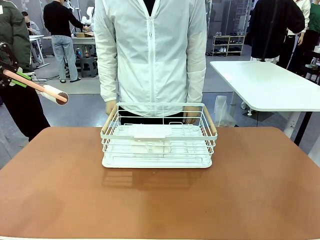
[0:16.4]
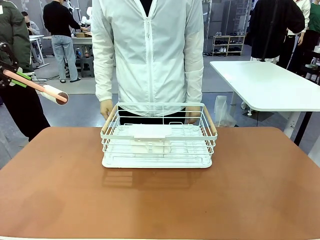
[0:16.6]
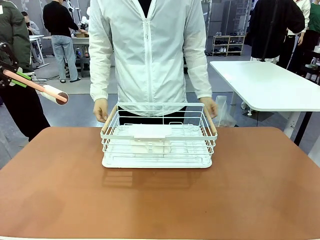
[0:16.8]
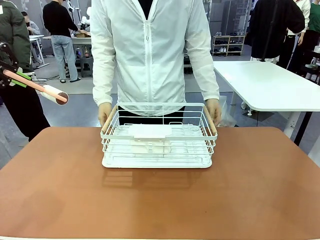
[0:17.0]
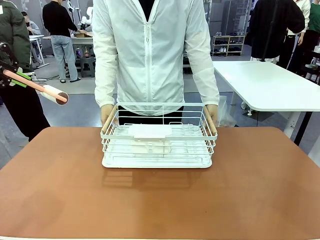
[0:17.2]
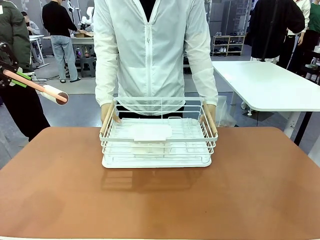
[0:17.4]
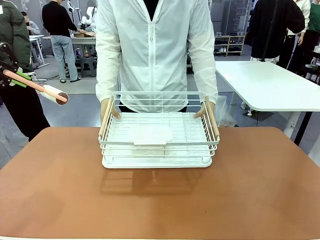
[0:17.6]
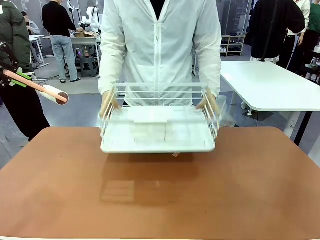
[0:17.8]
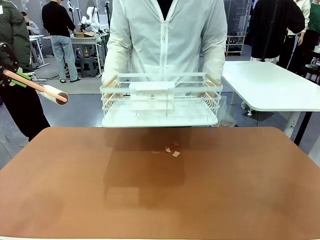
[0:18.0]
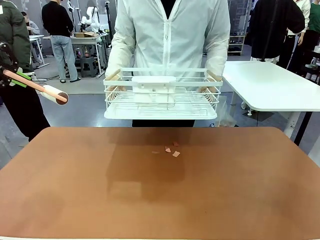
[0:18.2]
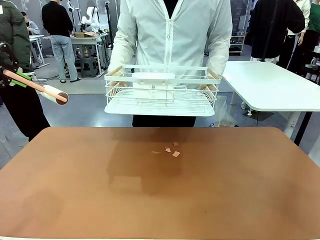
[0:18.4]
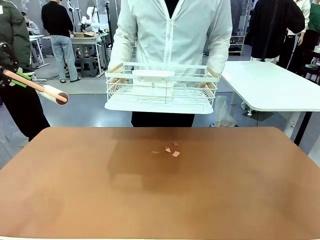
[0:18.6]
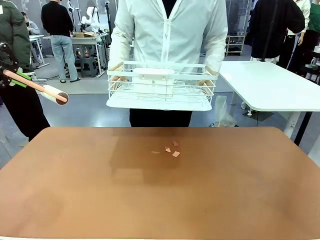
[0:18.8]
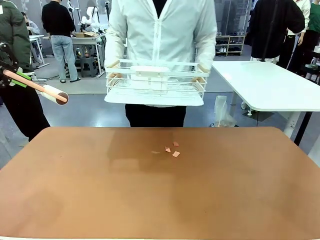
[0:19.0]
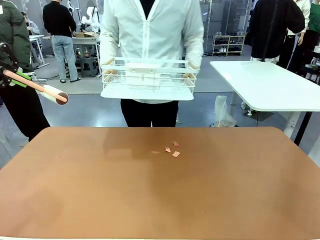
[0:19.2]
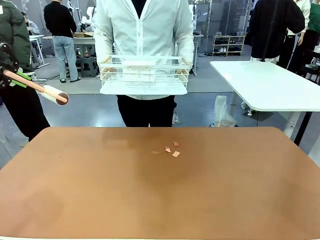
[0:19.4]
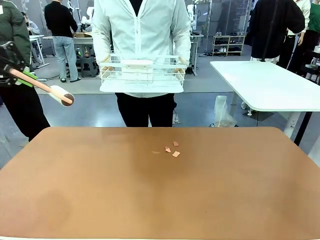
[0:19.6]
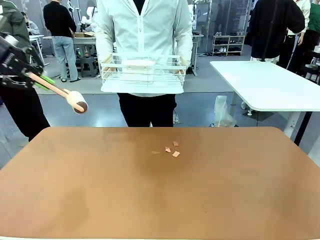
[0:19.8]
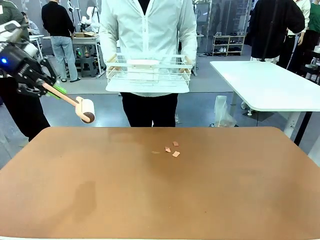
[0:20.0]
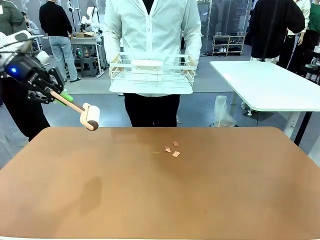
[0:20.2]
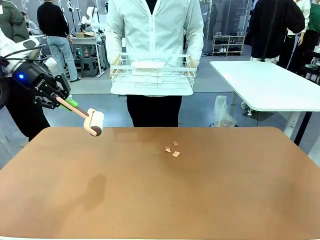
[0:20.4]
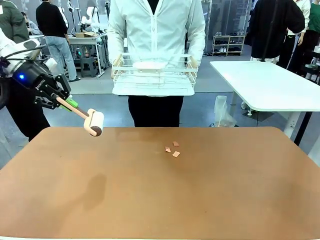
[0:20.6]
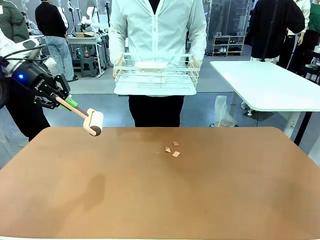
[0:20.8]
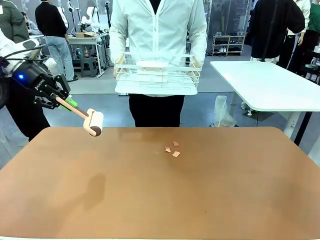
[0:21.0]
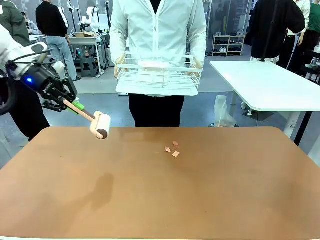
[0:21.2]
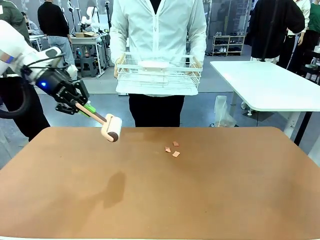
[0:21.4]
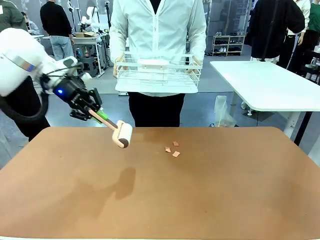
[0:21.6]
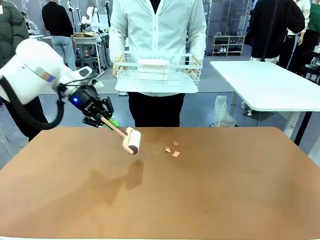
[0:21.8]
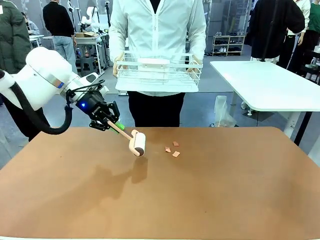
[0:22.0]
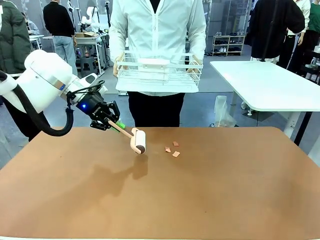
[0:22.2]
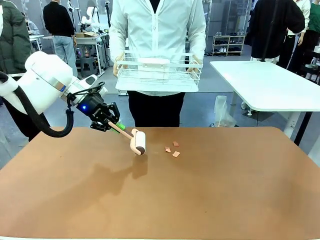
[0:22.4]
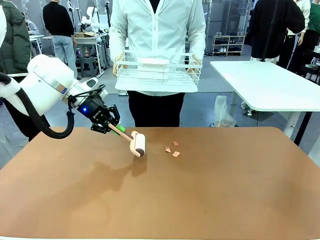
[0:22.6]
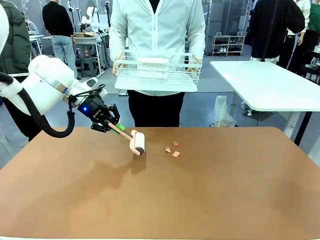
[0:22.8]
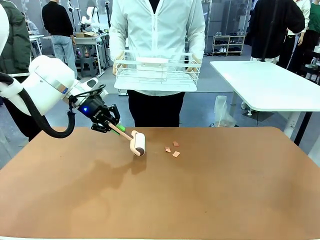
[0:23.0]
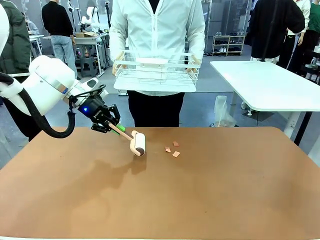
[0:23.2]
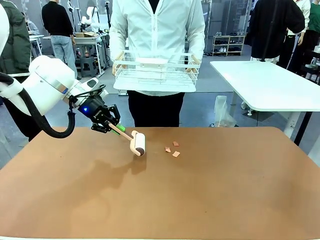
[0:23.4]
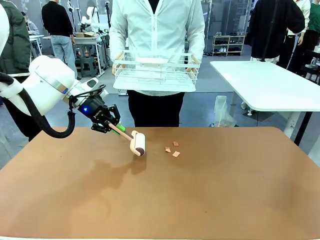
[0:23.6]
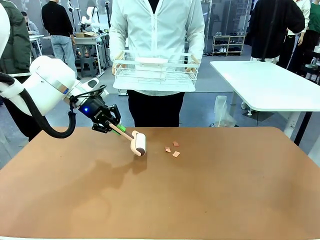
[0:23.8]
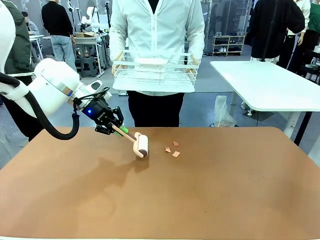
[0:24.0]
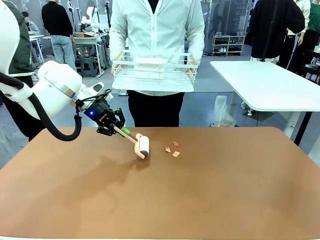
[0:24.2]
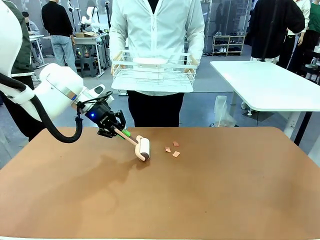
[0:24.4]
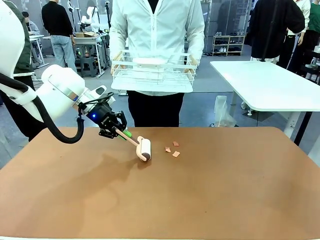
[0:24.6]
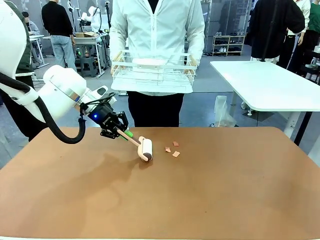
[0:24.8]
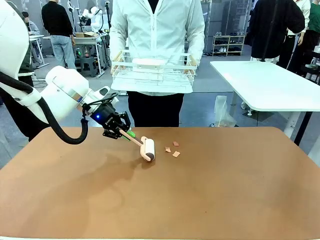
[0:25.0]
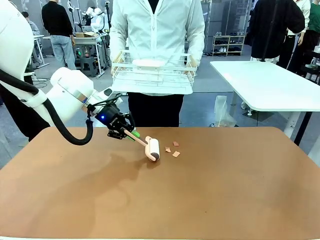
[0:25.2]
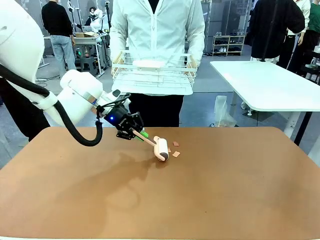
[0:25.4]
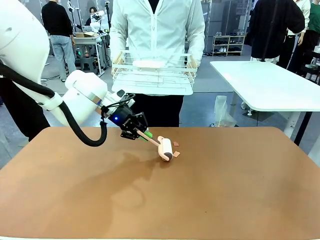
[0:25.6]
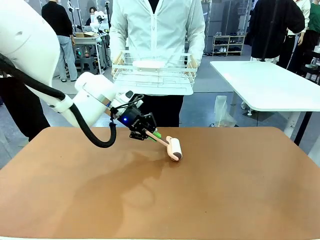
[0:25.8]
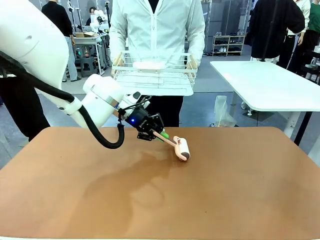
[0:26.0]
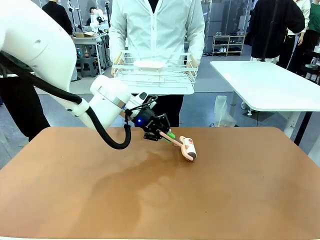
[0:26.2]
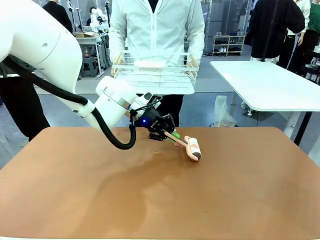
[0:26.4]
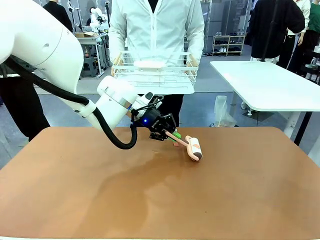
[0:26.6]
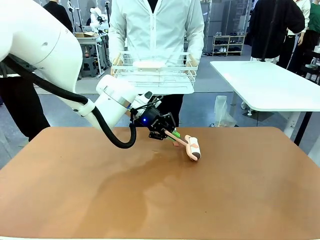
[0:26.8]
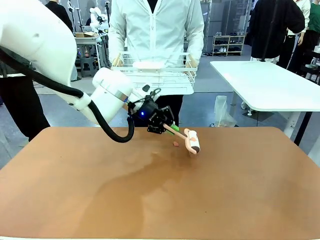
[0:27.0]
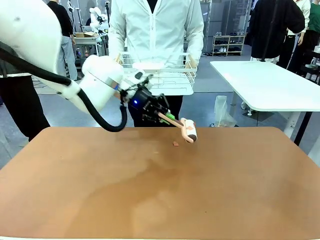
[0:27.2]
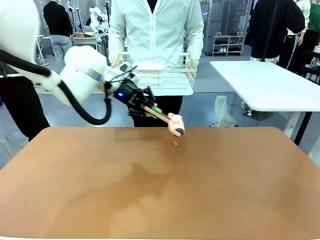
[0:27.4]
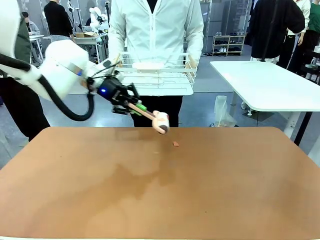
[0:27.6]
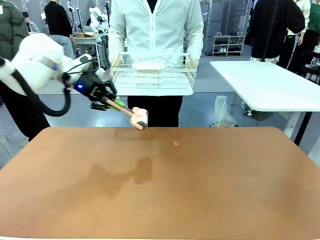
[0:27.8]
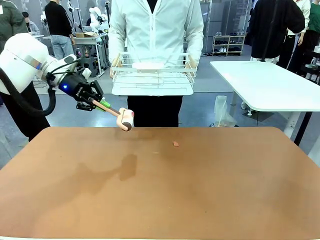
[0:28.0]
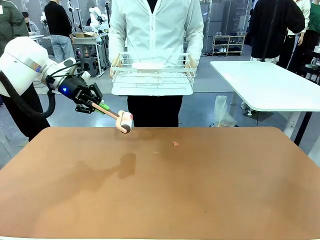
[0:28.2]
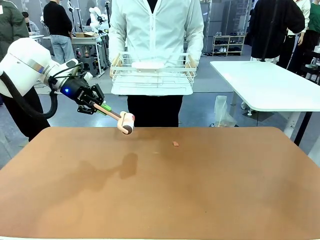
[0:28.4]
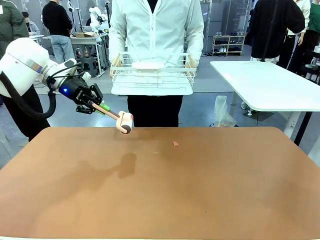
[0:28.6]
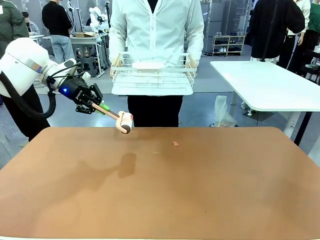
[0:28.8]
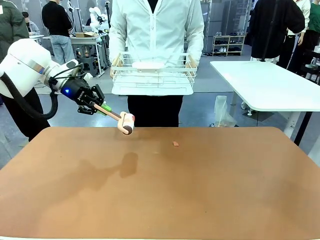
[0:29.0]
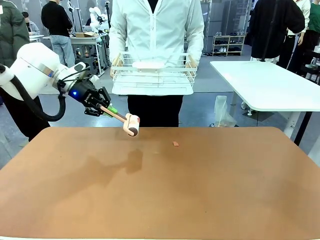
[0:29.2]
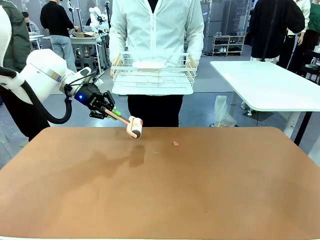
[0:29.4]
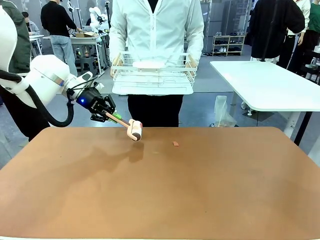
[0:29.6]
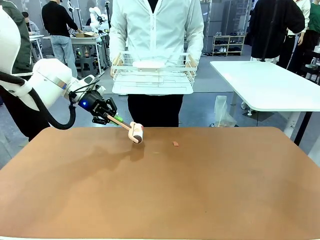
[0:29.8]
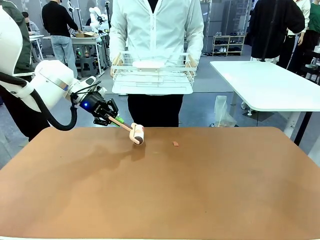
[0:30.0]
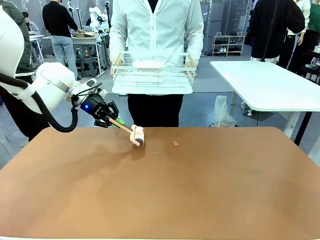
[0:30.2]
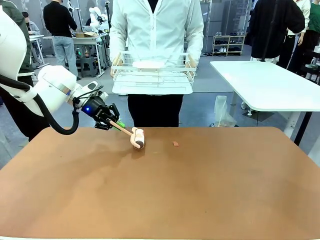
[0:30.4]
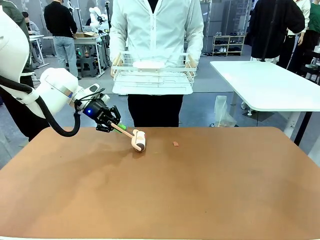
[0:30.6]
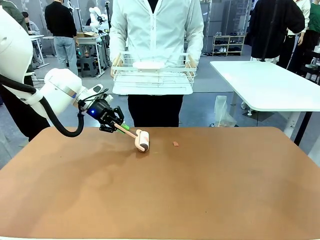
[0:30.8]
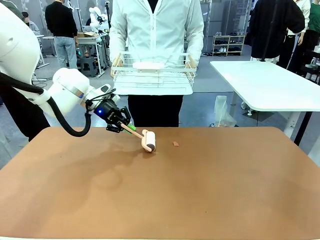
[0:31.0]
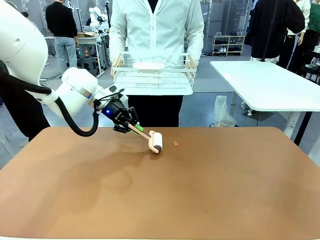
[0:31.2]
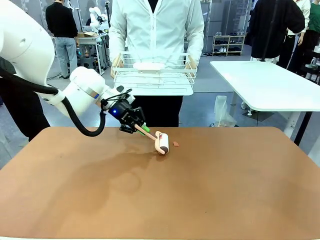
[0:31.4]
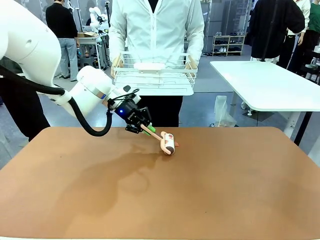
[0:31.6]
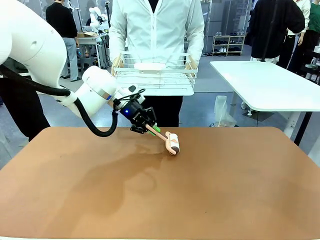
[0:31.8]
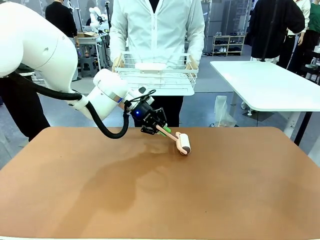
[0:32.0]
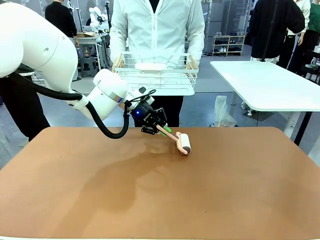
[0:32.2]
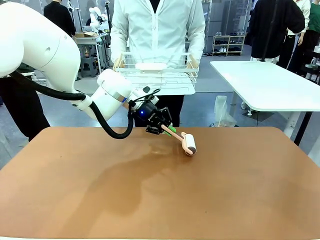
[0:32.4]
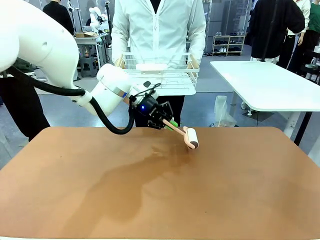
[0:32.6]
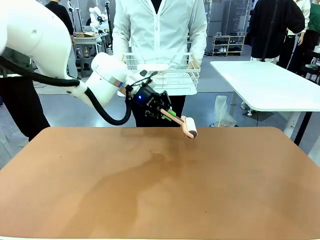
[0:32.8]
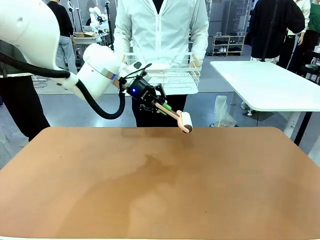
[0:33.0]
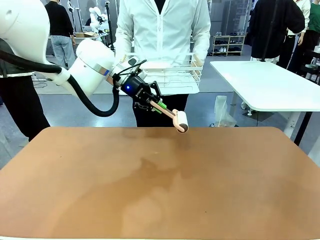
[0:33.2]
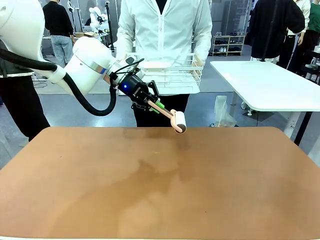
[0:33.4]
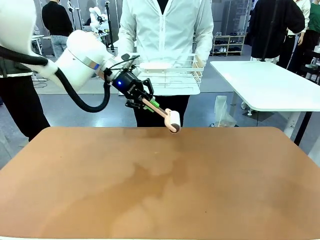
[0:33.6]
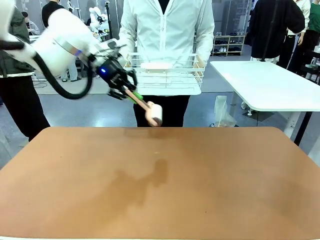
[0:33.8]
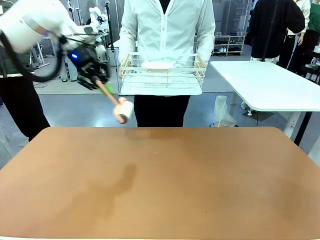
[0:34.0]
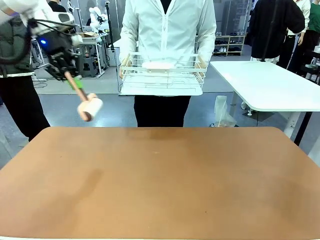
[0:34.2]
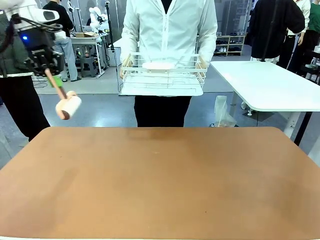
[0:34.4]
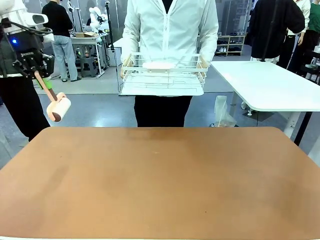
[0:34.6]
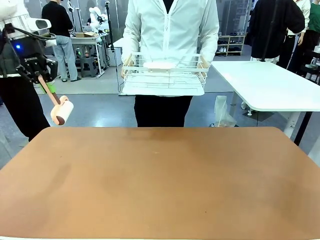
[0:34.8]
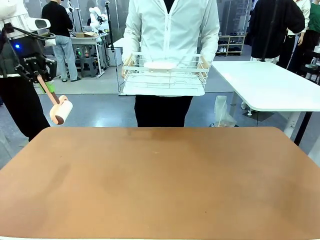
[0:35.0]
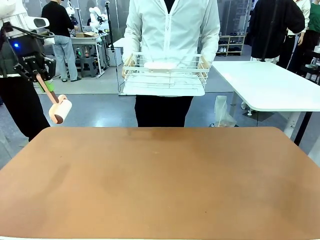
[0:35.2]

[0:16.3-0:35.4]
Task: Clean the table.
Robot: Clean the table with the Lint Roller when the human lifts the Dish drying rack.
Person: Place the Dish drying rack down when the robot finishes cleaning.
